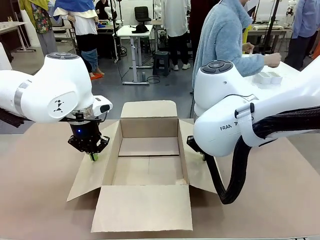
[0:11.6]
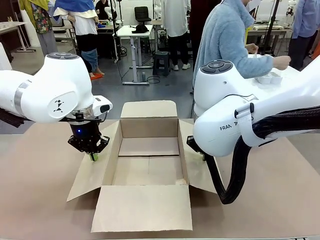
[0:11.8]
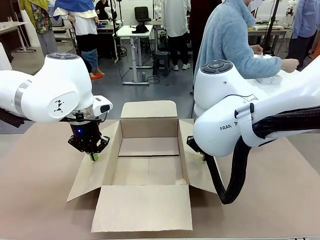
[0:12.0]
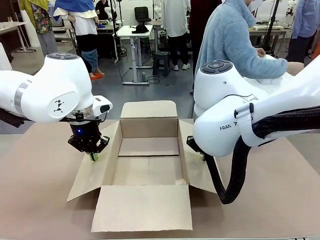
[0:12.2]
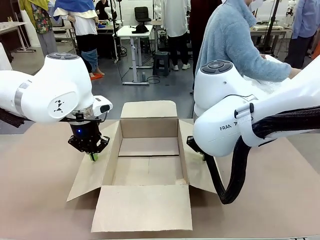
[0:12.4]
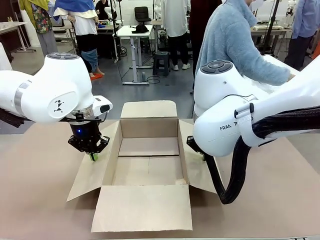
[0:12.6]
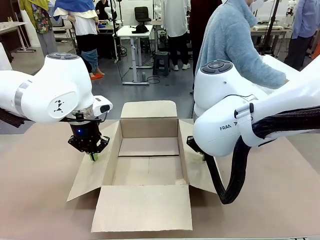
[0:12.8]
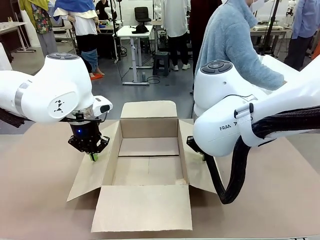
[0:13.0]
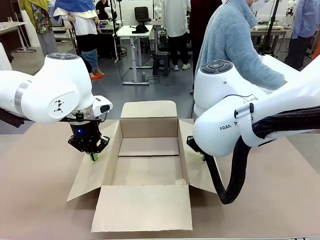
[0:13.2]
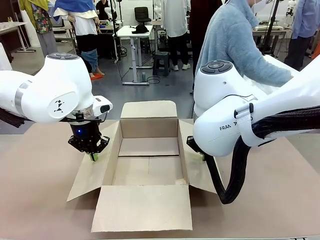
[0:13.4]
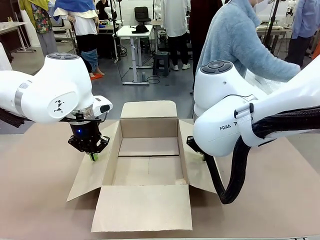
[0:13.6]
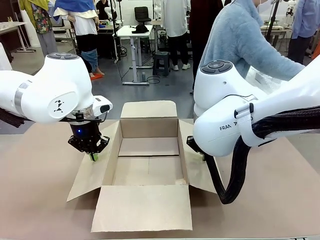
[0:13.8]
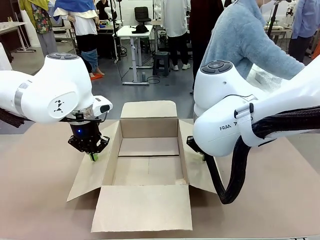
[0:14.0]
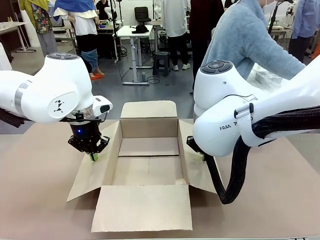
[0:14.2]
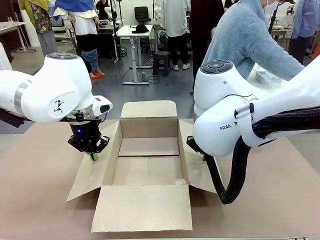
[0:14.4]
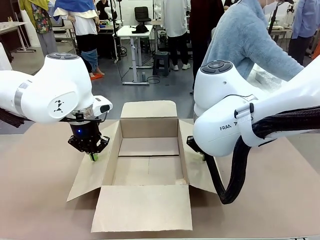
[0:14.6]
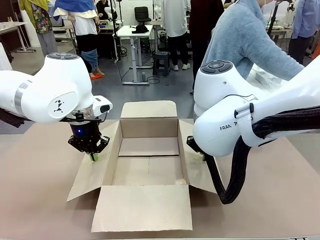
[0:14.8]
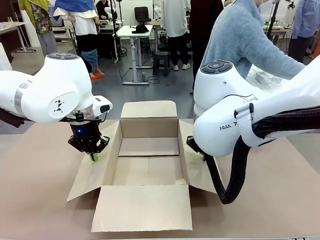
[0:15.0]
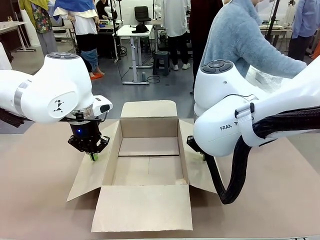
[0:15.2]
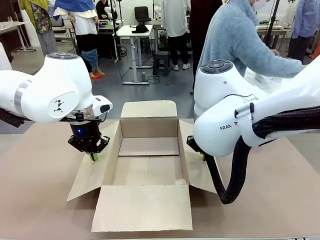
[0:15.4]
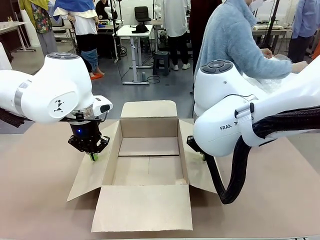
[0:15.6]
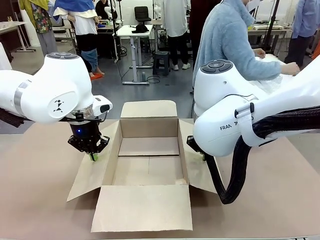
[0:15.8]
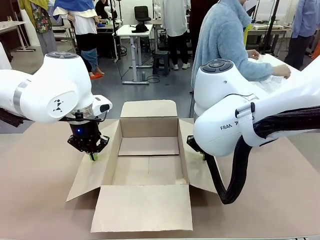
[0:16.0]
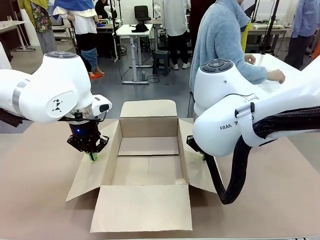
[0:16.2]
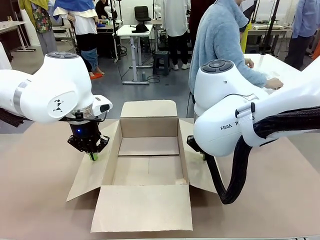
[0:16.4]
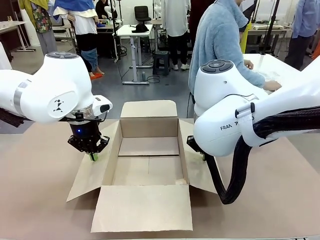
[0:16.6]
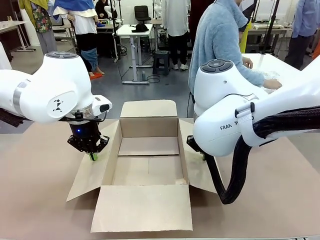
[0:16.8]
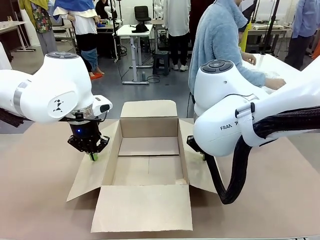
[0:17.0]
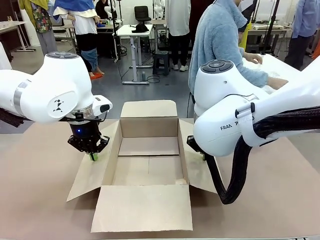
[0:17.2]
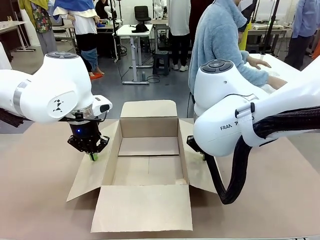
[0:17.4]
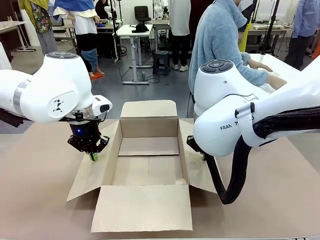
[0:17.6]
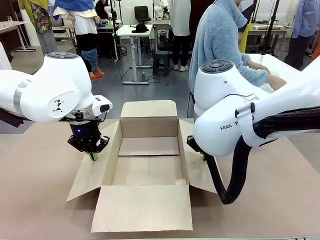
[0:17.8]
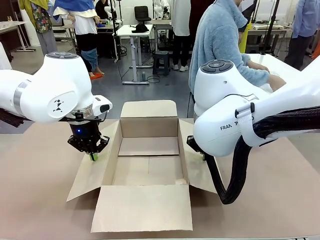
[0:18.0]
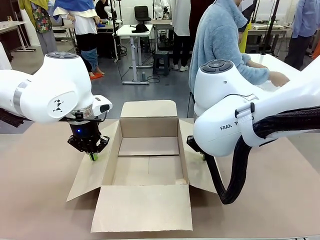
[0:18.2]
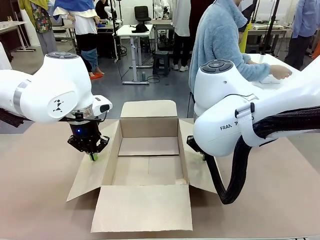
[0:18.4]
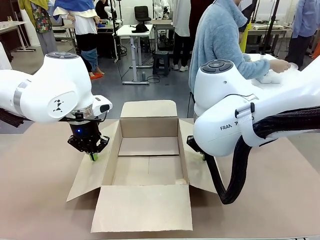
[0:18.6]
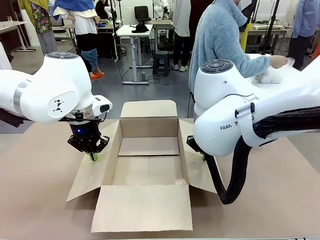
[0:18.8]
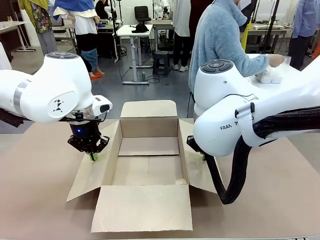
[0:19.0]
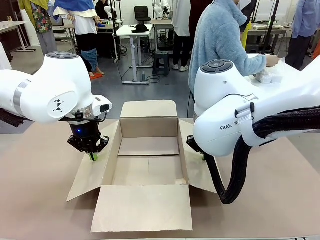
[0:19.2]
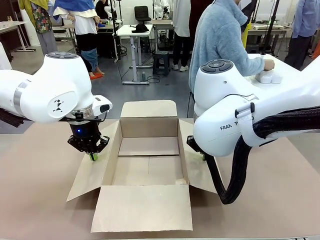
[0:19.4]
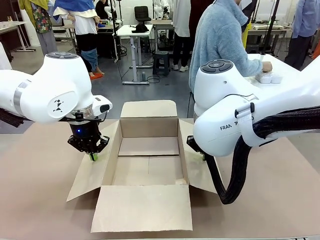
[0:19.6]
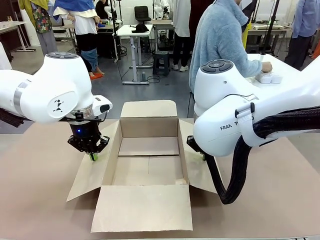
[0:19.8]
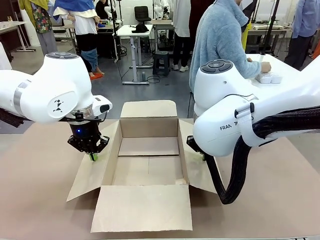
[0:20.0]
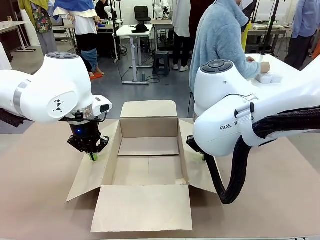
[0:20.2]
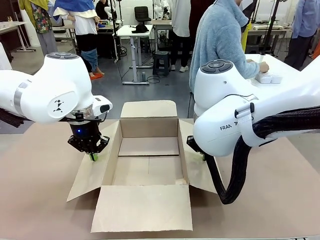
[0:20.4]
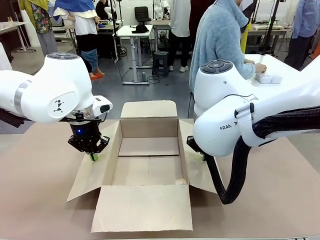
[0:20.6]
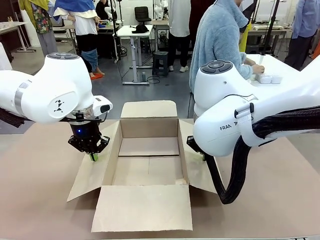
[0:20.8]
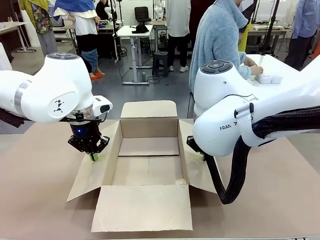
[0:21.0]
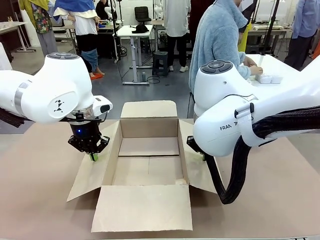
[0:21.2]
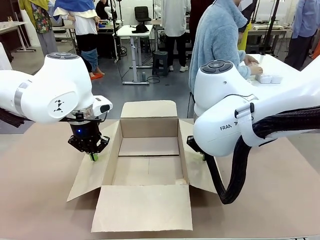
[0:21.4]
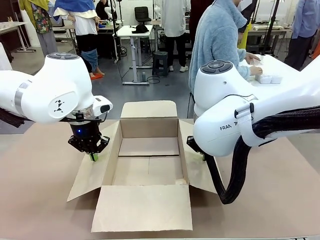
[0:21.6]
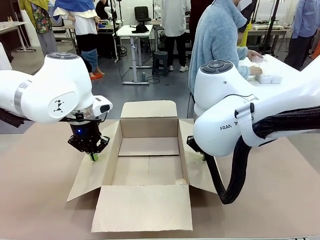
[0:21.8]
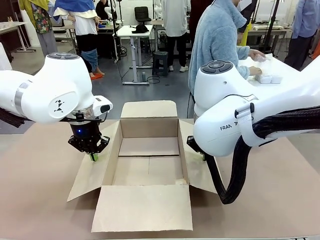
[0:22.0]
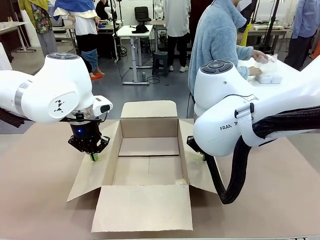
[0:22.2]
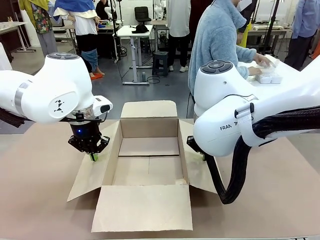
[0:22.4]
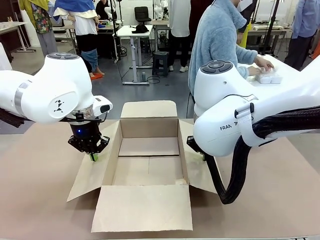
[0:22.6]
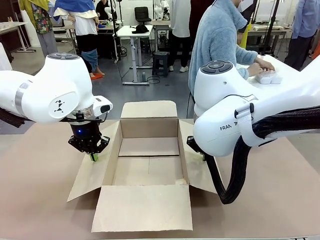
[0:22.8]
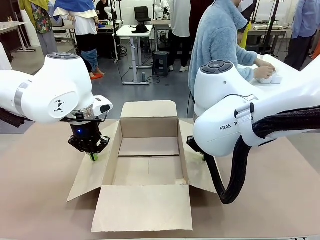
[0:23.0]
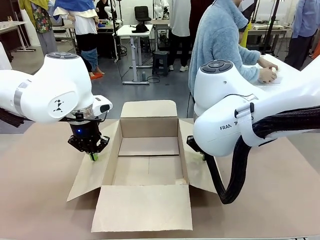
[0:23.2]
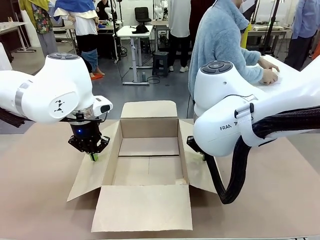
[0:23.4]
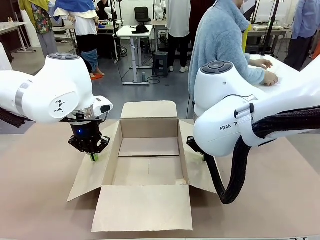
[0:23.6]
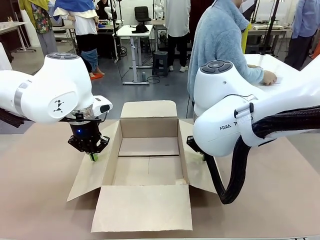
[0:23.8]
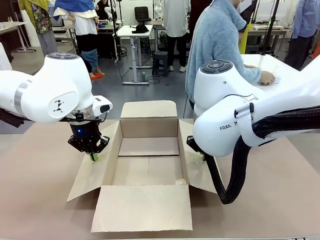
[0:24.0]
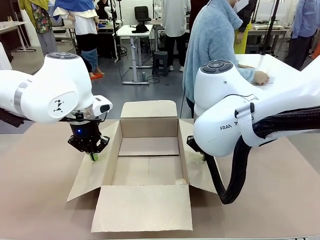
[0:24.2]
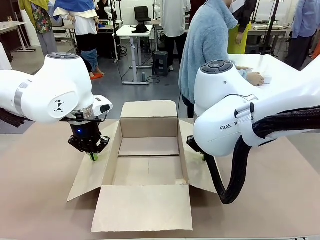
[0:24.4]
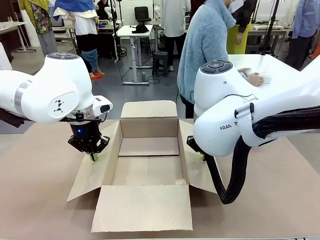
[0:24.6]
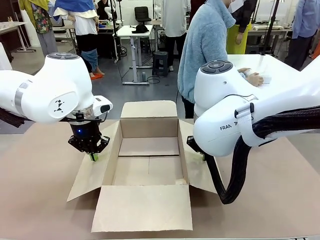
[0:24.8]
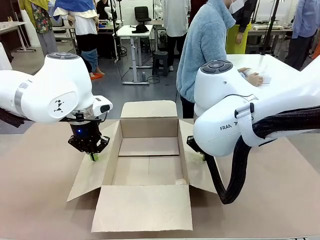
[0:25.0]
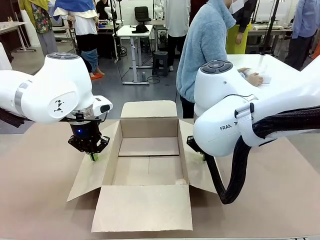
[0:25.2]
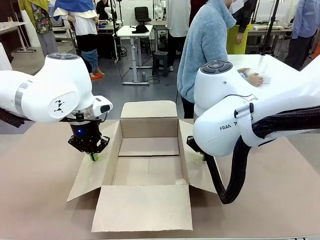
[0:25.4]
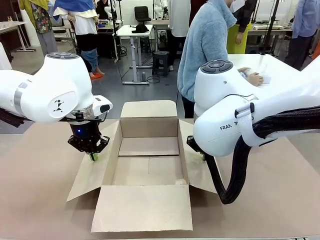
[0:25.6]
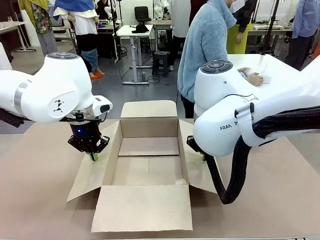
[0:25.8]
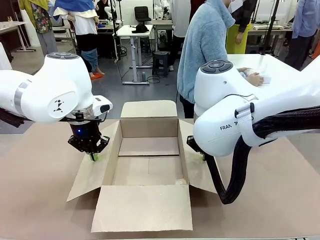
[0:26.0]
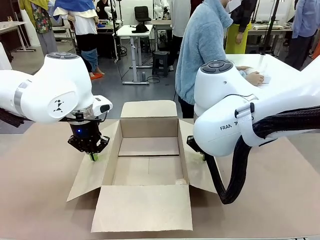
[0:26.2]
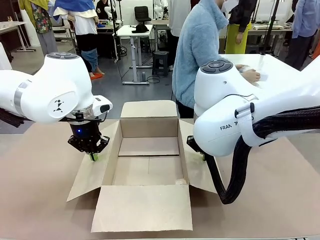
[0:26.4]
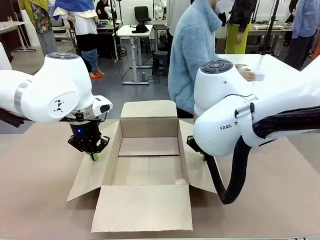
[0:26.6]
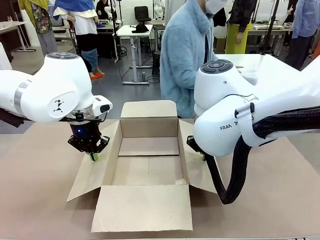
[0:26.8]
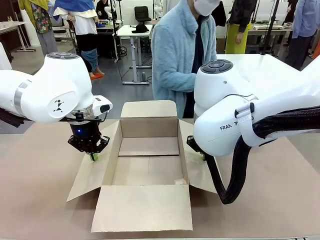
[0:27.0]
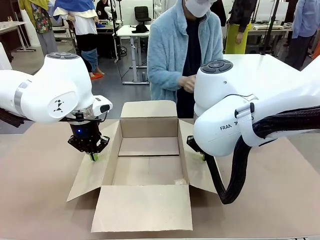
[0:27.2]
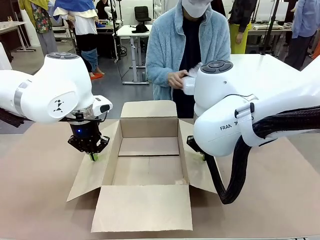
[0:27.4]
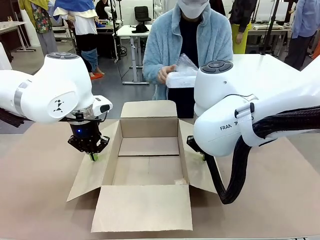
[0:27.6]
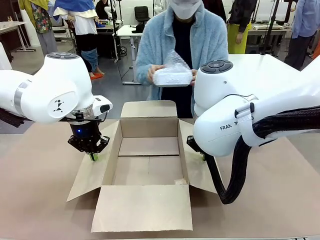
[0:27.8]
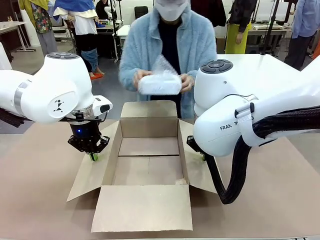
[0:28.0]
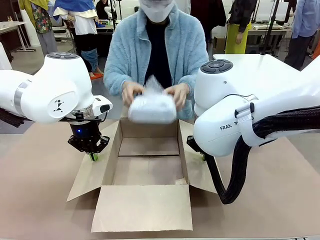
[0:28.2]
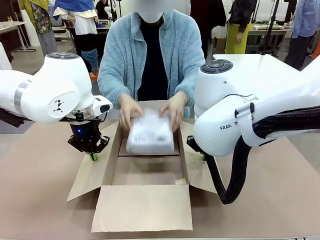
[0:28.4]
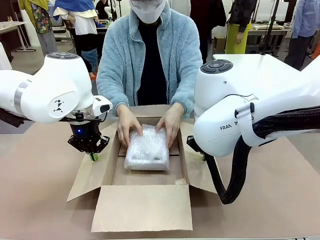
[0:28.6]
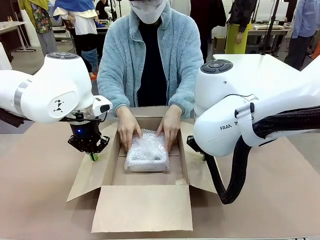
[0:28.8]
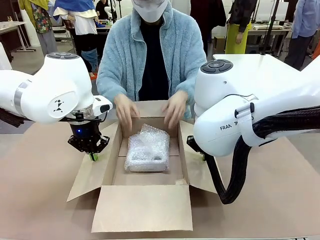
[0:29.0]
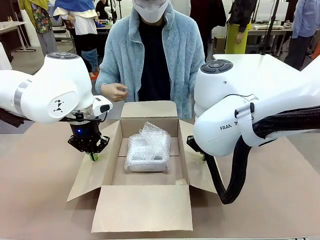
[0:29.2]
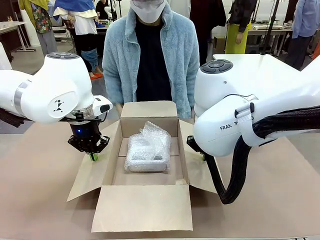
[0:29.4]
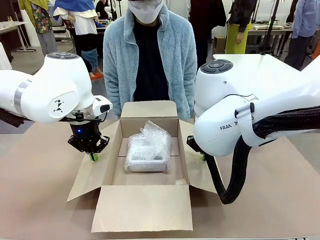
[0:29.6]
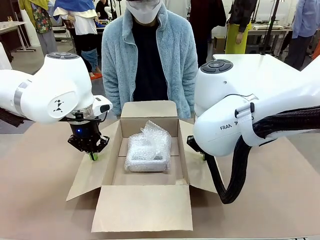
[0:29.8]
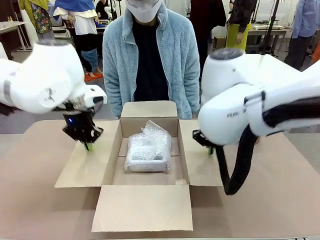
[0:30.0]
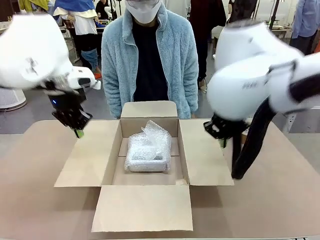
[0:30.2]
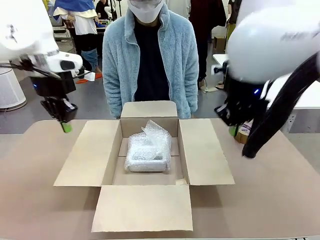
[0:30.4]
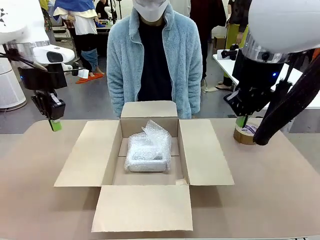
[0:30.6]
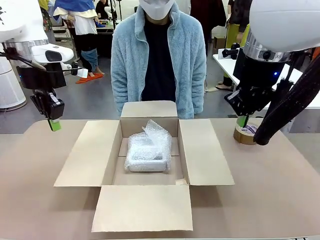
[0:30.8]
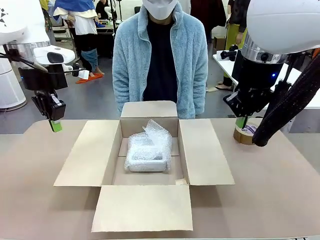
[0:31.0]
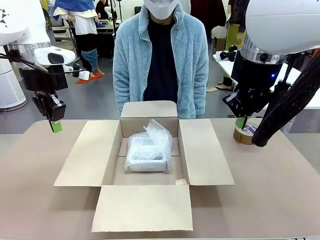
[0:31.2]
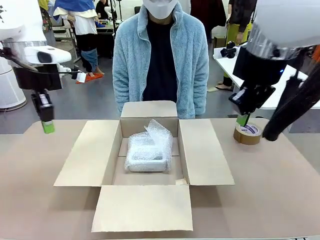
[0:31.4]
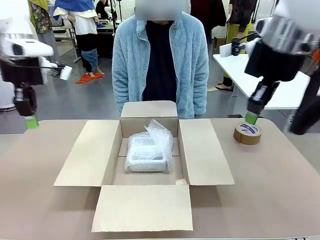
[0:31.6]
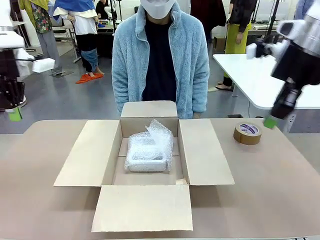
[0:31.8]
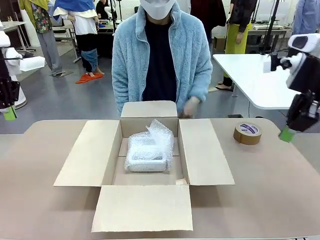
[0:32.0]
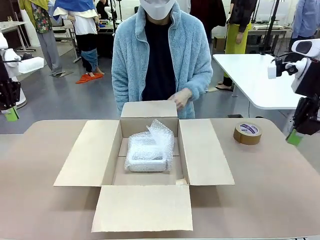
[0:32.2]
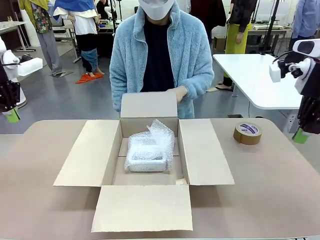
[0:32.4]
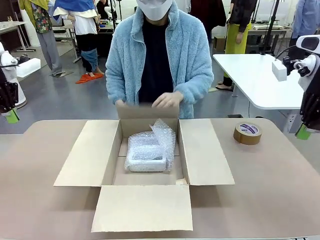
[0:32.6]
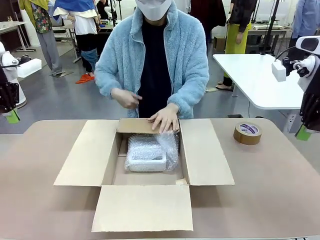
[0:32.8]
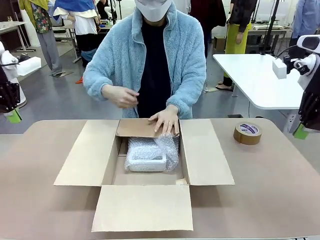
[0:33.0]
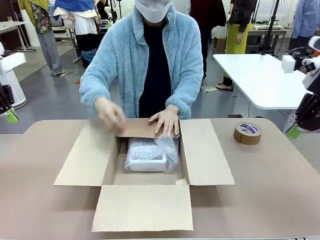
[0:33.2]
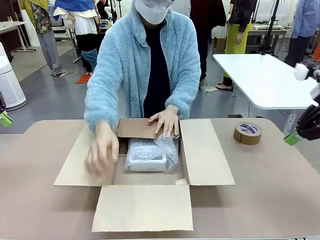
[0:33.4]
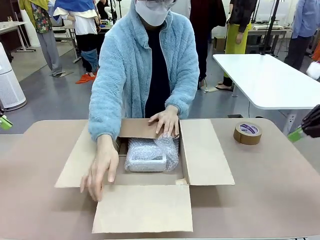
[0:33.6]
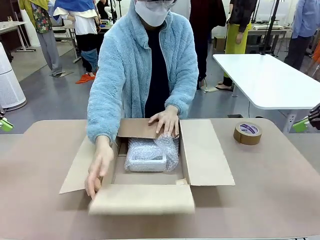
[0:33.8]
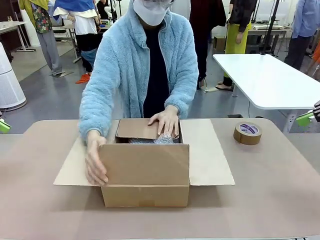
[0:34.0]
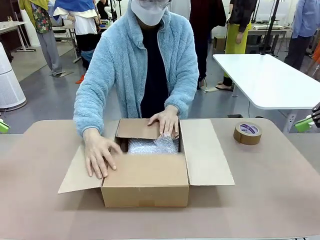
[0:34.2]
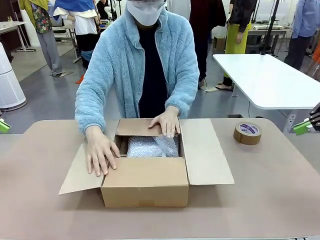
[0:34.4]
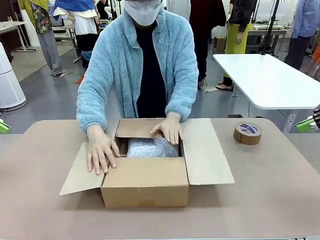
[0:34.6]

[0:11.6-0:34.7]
Task: Wrap the clocks to prevent damage.
Robot: Once the human has placed the objects inside and stepped back, release both hands from the side flaps of the Package Box.
Person: Wrap the two Digital clocks with Bubble Wrap. Place the wrapped Digital clocks inside the Package Box. Hold the top and bottom flaps of the Package Box closed with your left (or right) hand.
